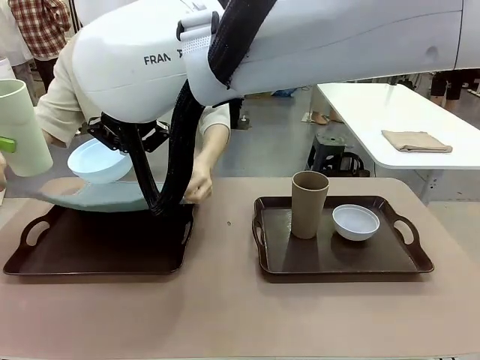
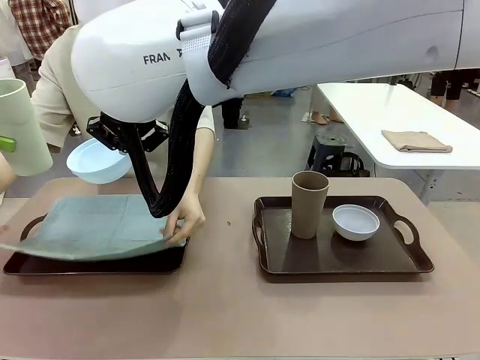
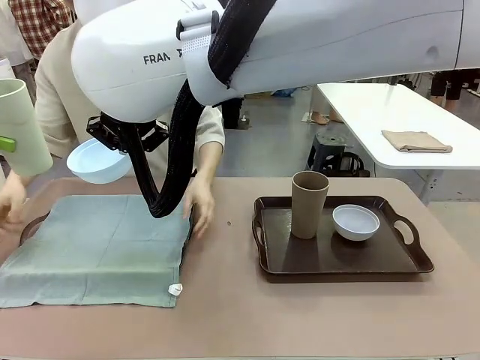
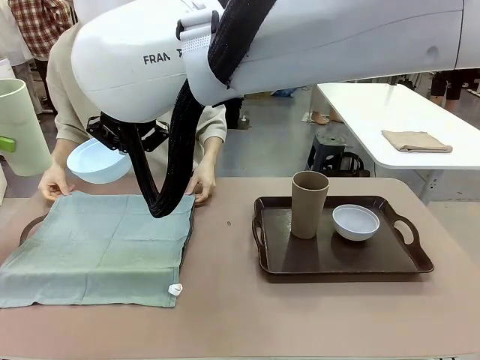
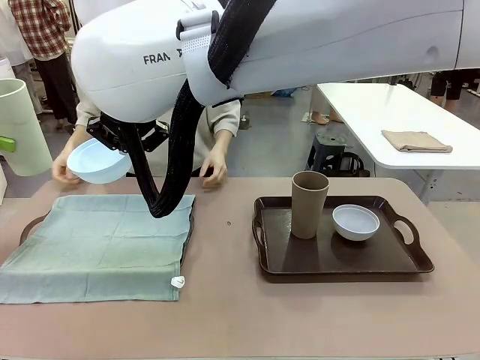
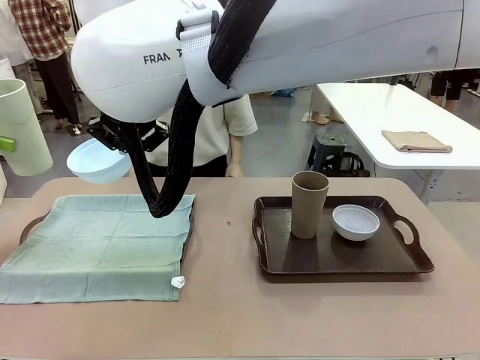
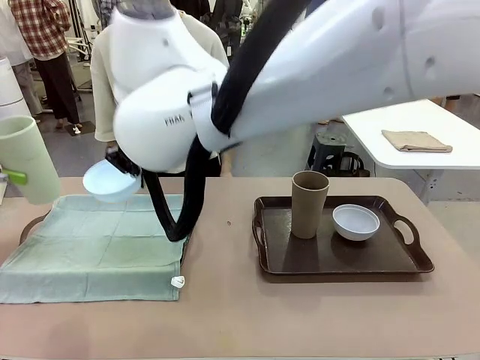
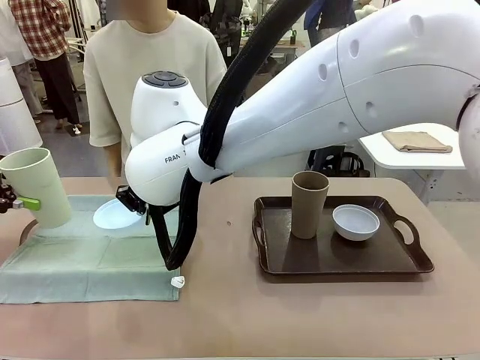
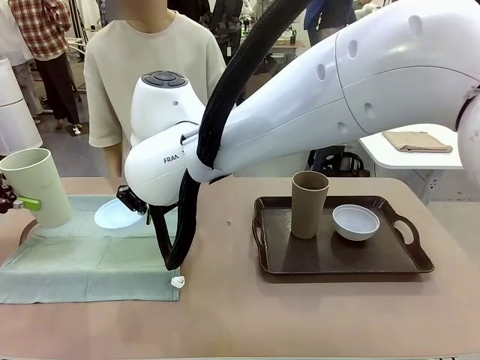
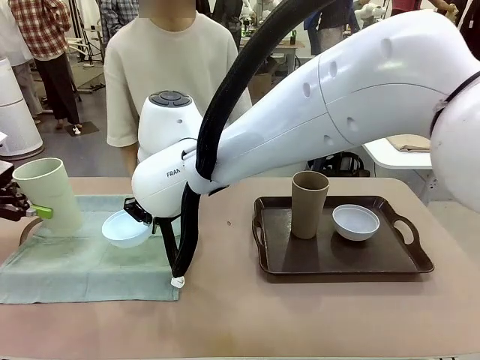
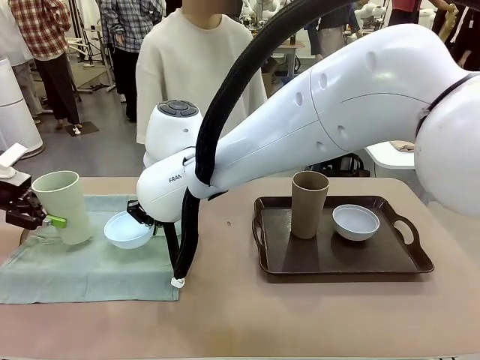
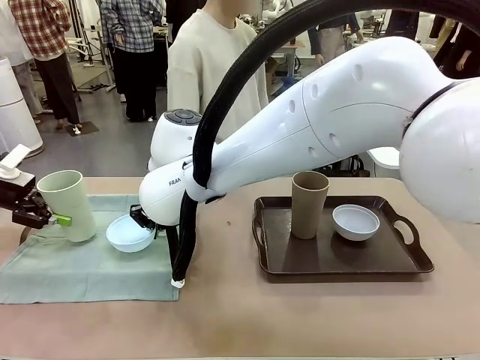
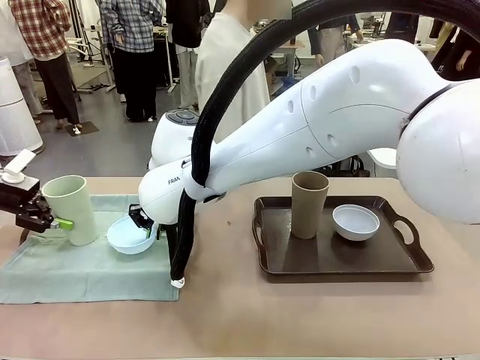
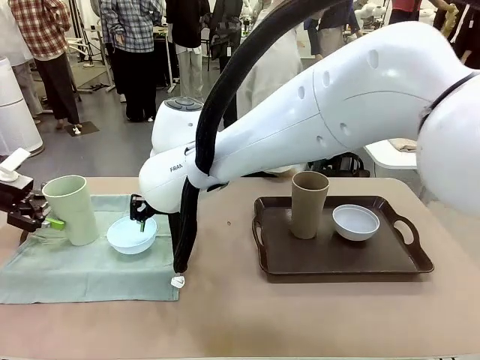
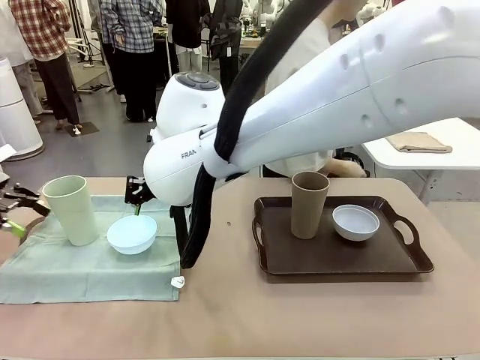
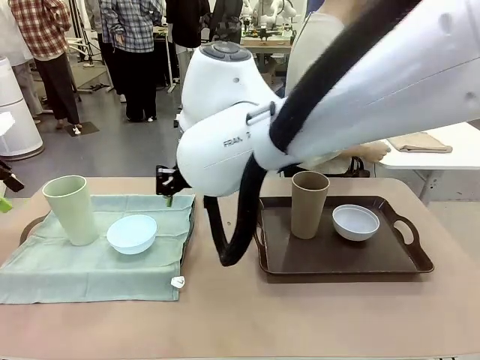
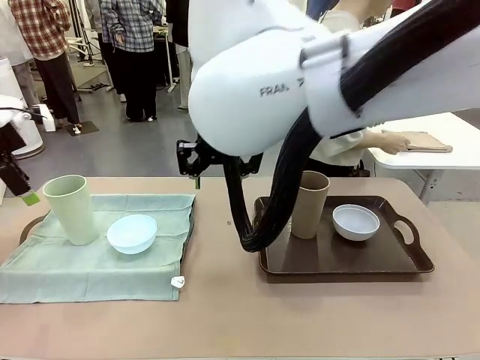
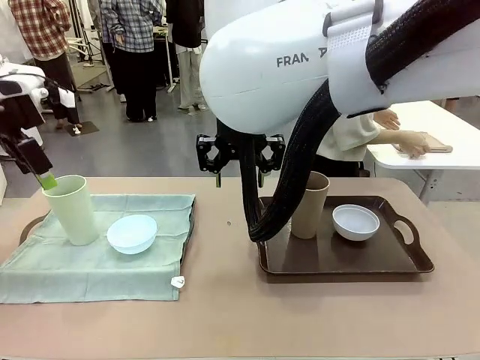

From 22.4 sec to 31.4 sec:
Robot: Place the Picnic Bowl and Reusable plastic cup back onto the Handle tray in front of the human's position.

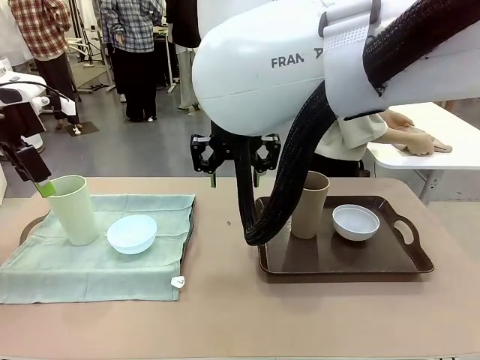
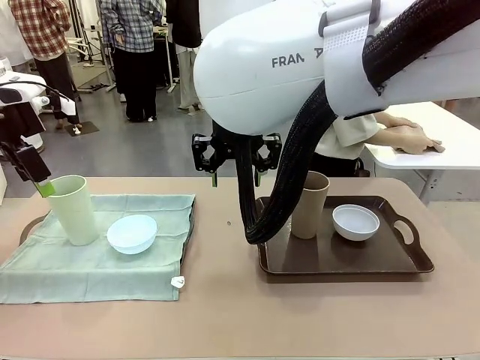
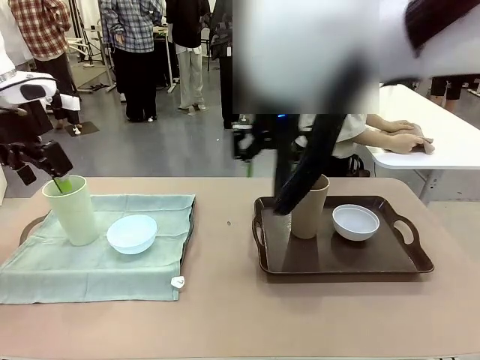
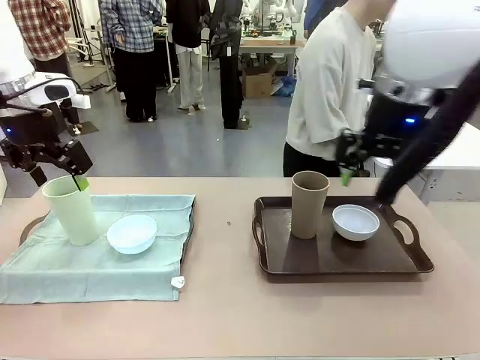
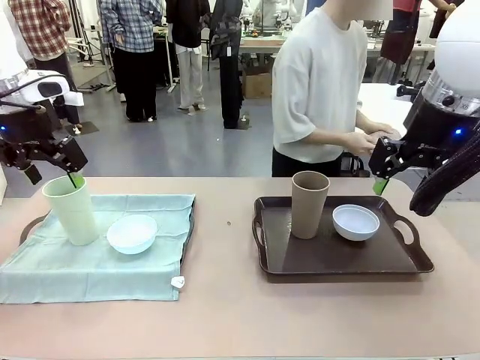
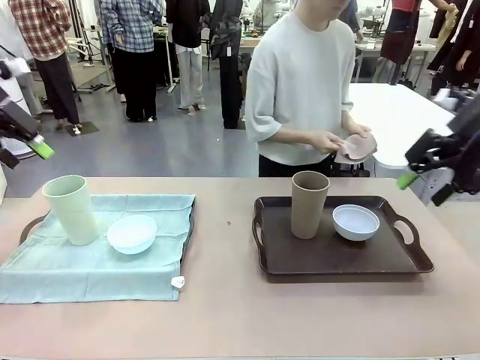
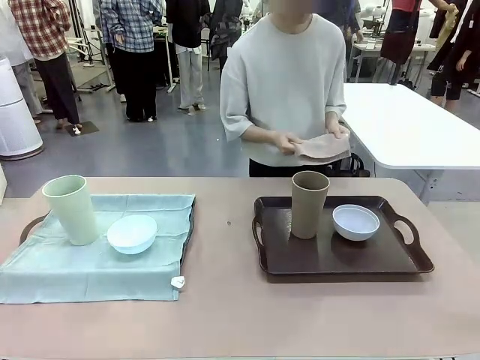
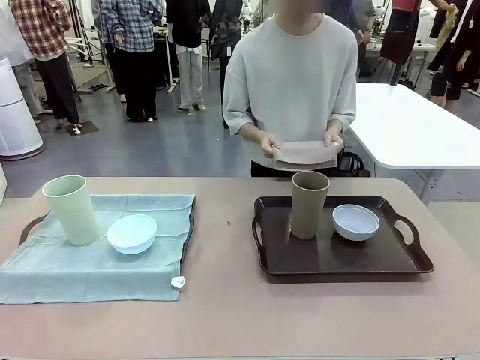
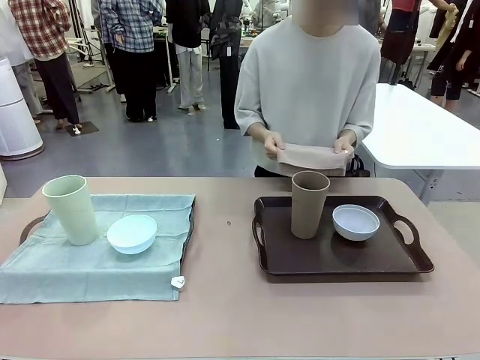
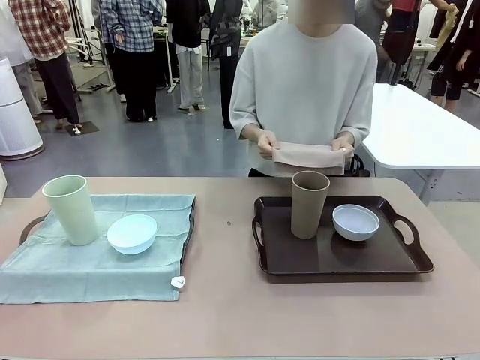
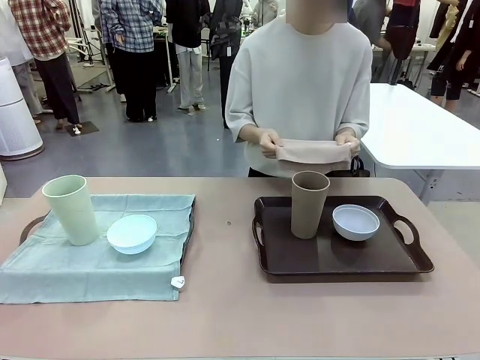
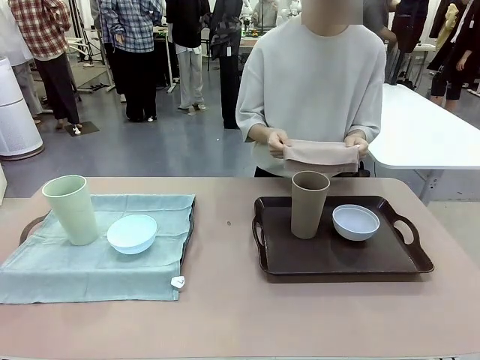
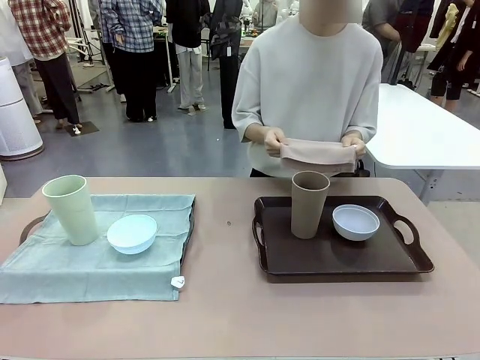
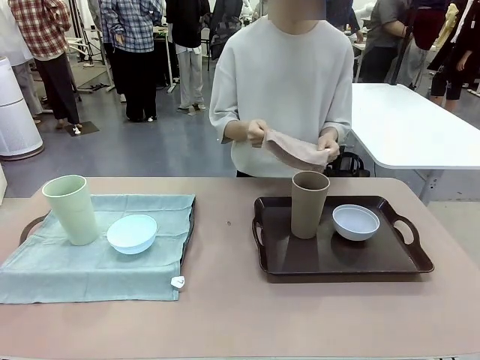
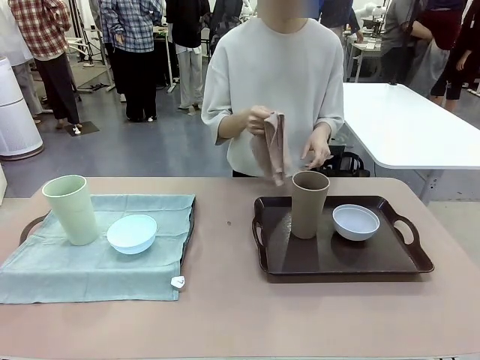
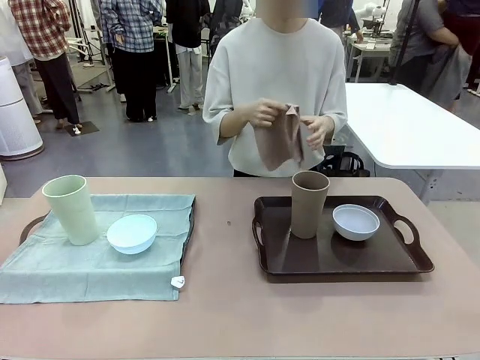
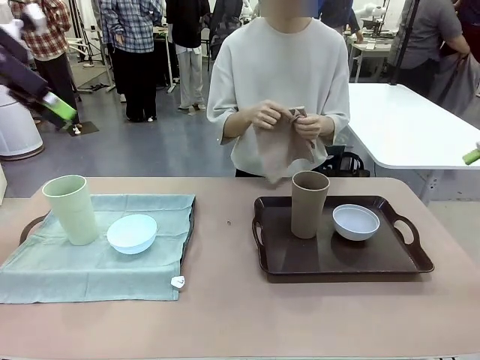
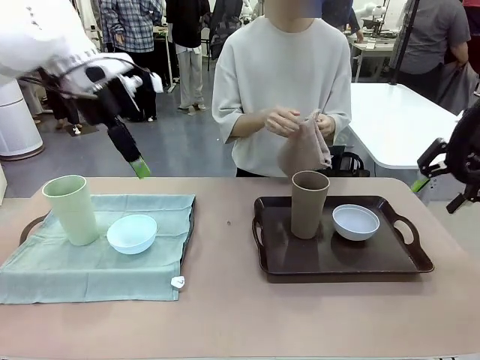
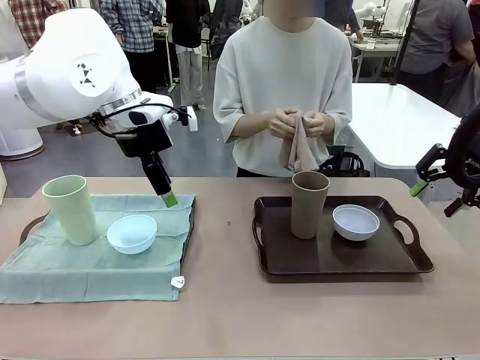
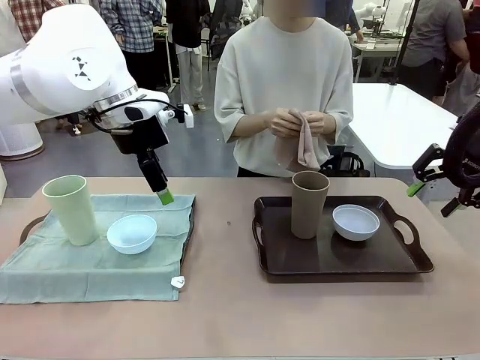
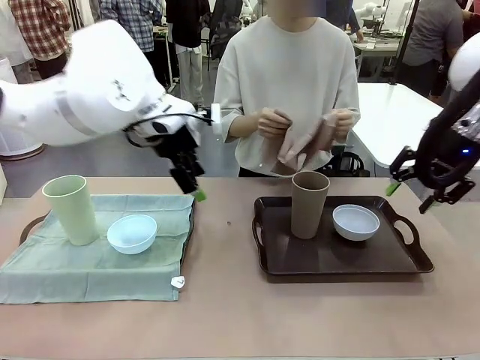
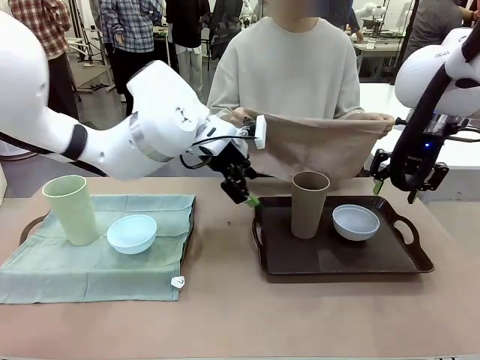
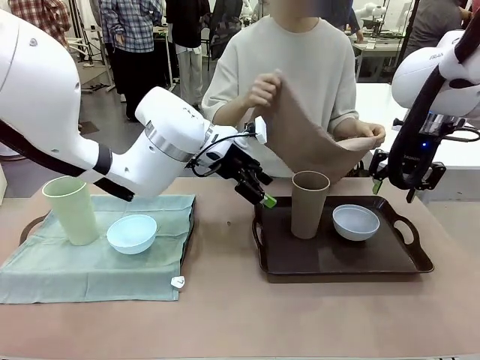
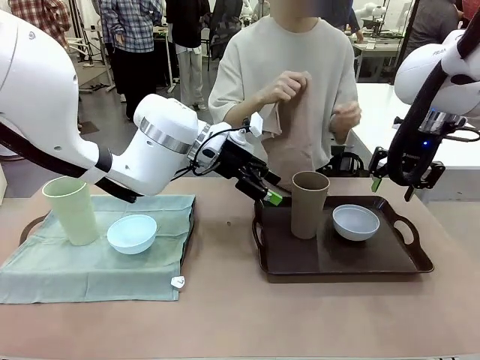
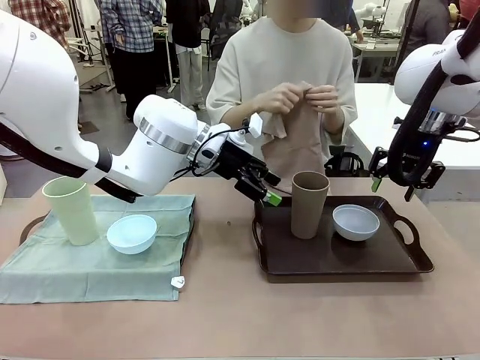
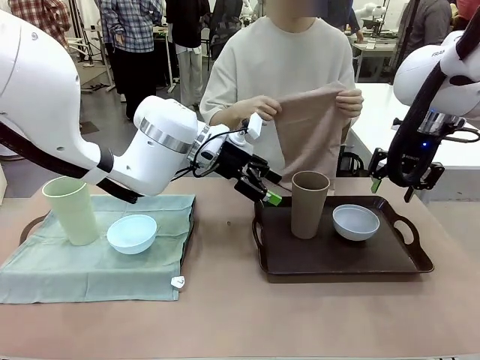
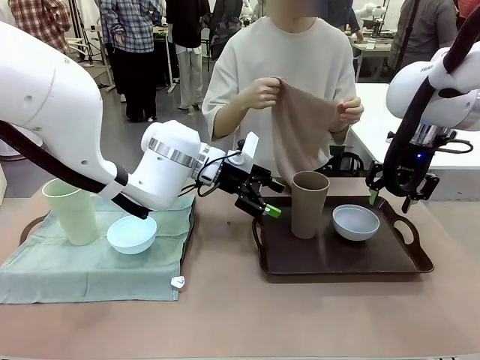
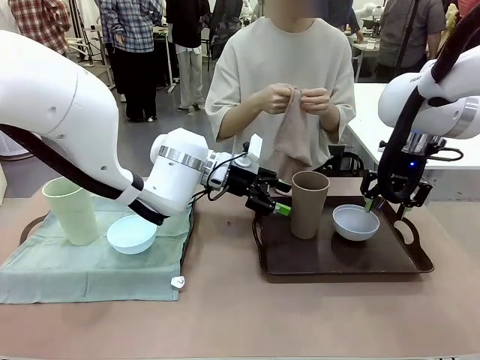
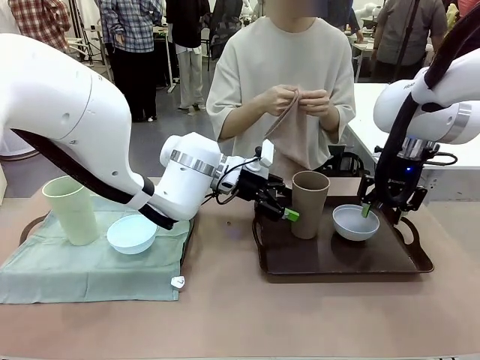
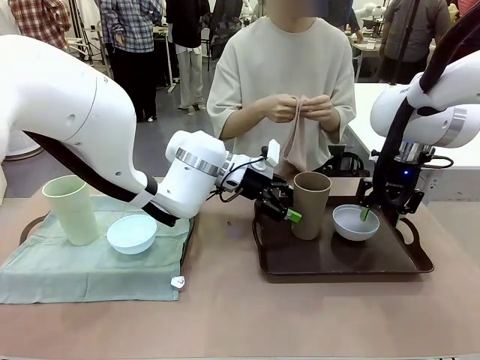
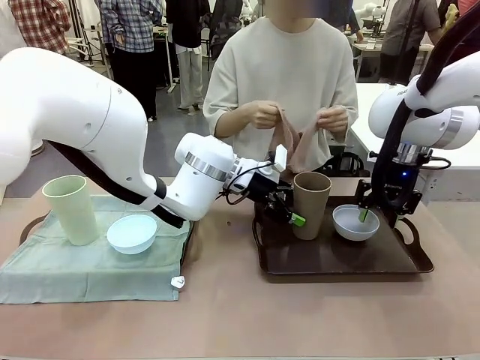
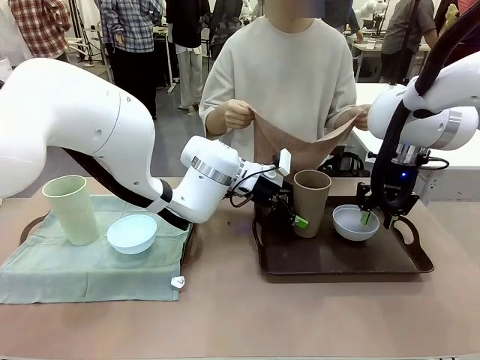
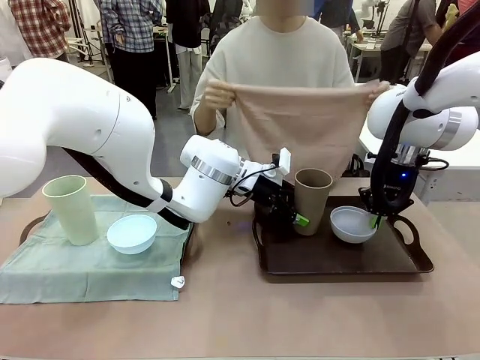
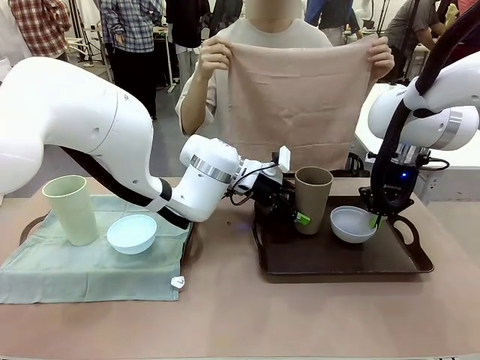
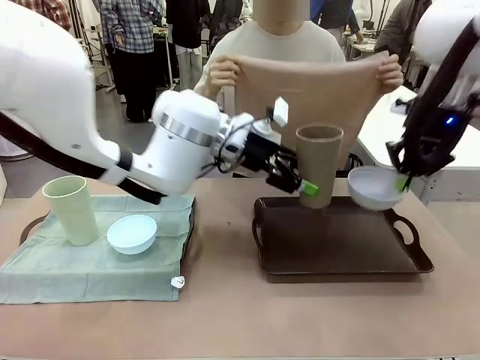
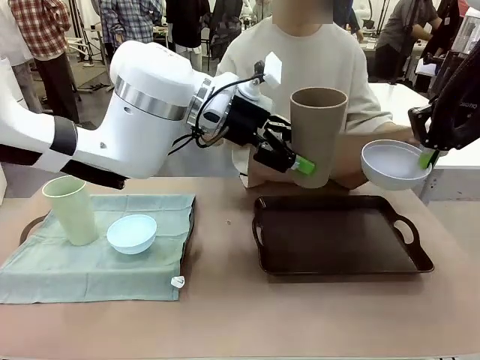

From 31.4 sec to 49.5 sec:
Robot: Pick up the Picnic Bowl and Reusable plastic cup from the Handle tray in front of the human's position and hold them in the air.
